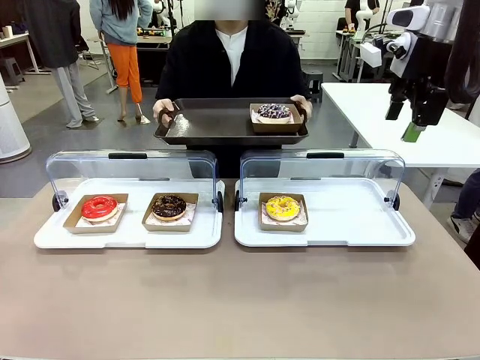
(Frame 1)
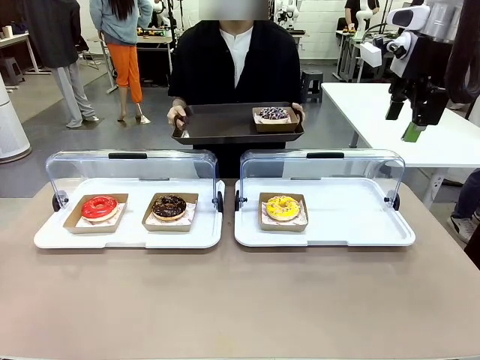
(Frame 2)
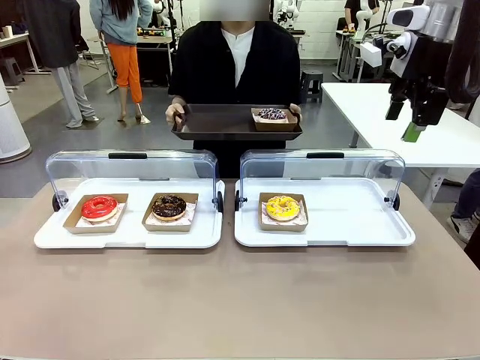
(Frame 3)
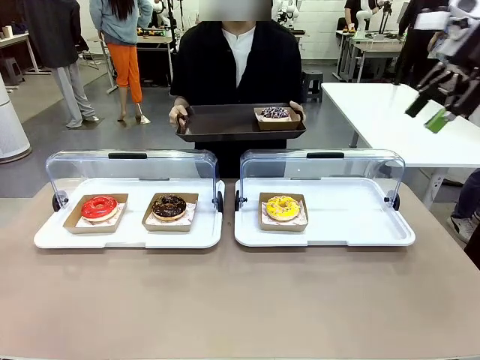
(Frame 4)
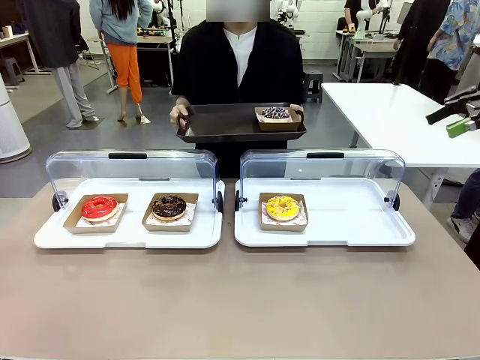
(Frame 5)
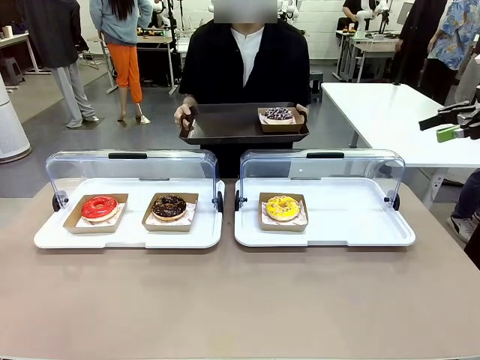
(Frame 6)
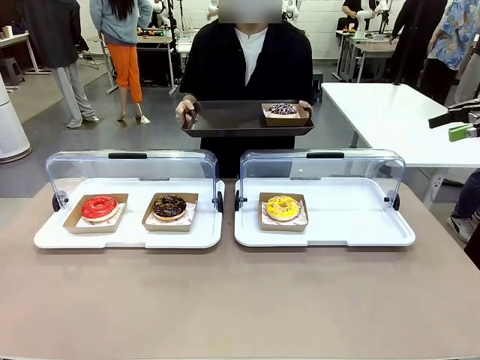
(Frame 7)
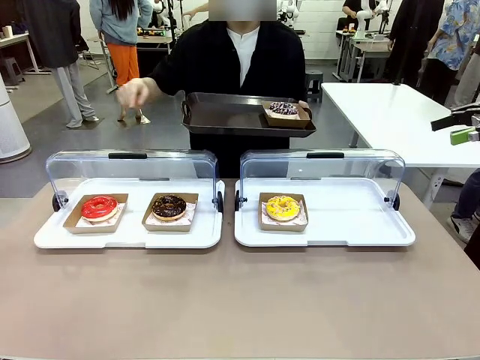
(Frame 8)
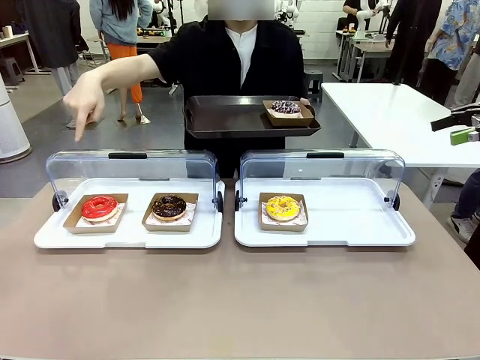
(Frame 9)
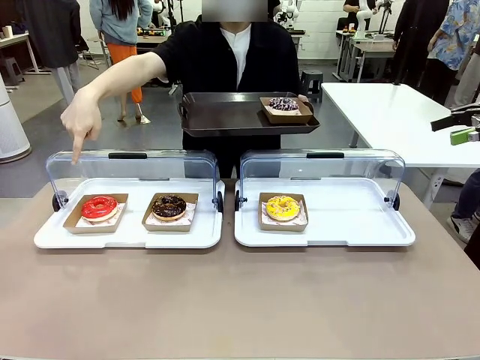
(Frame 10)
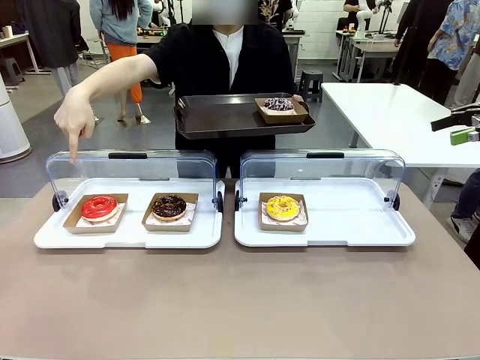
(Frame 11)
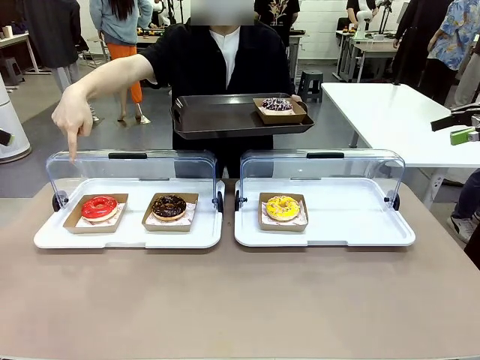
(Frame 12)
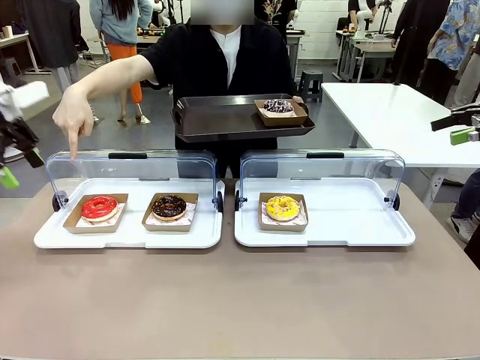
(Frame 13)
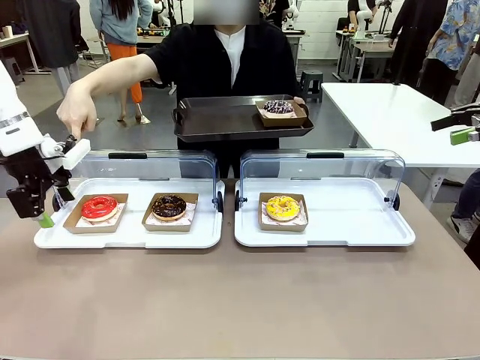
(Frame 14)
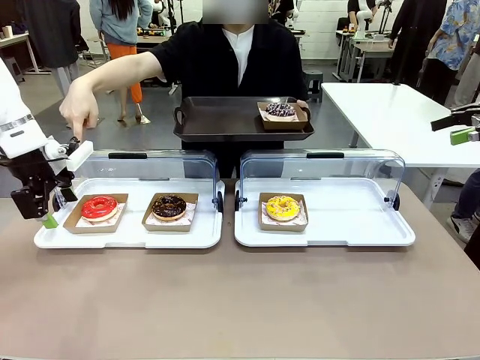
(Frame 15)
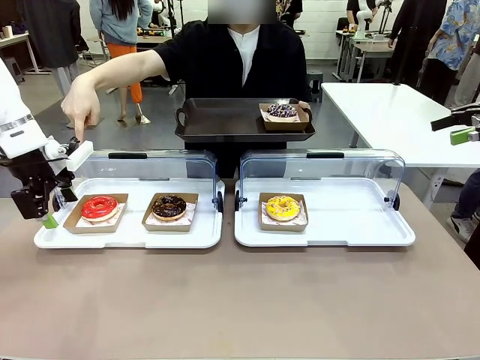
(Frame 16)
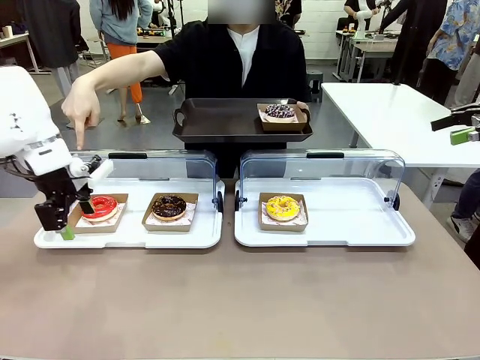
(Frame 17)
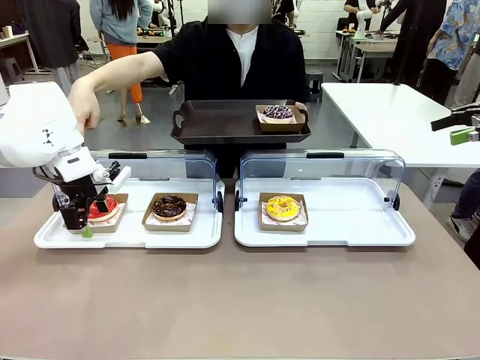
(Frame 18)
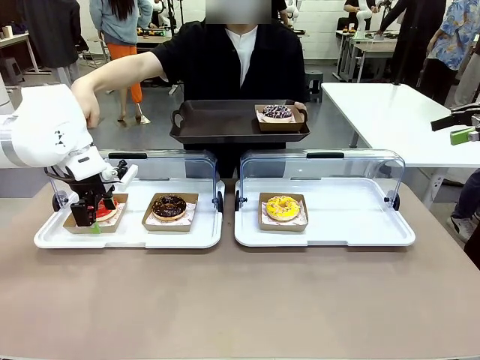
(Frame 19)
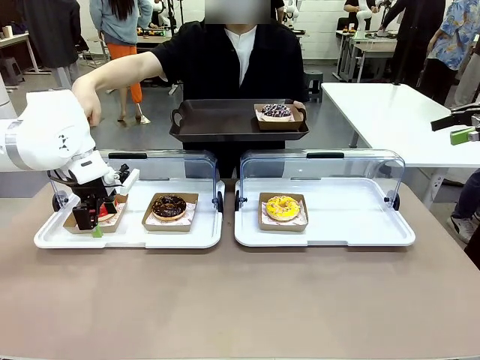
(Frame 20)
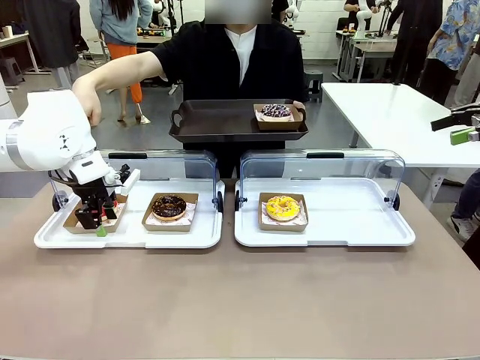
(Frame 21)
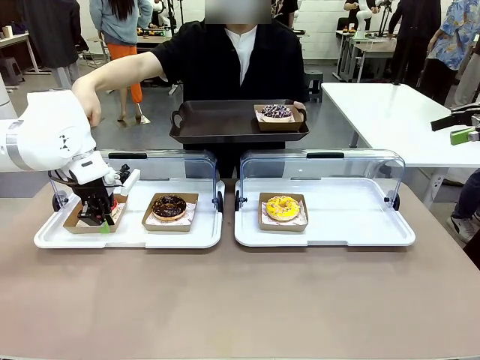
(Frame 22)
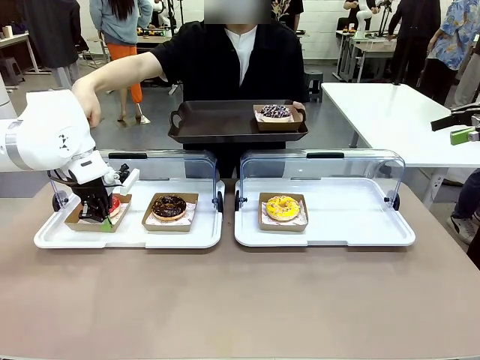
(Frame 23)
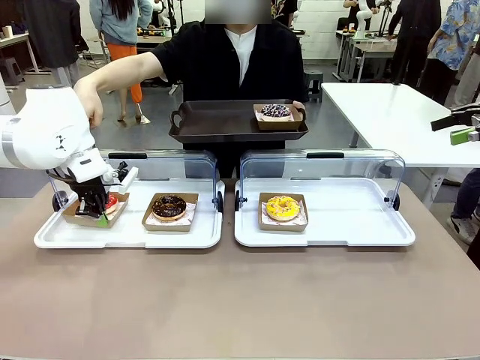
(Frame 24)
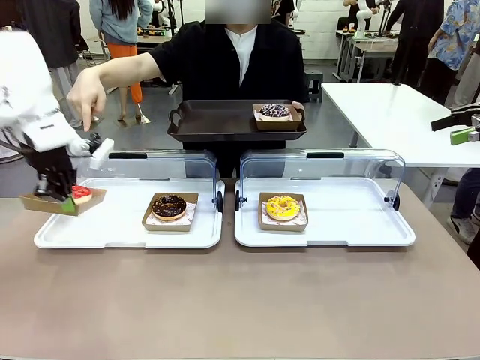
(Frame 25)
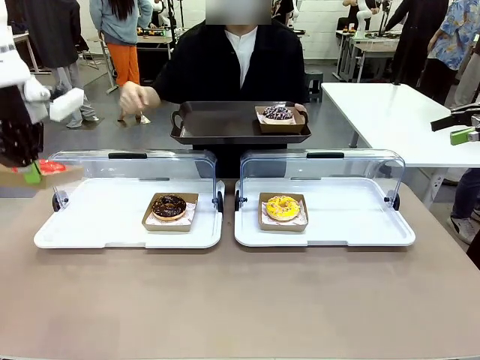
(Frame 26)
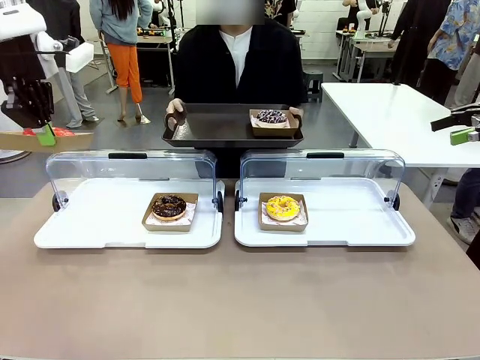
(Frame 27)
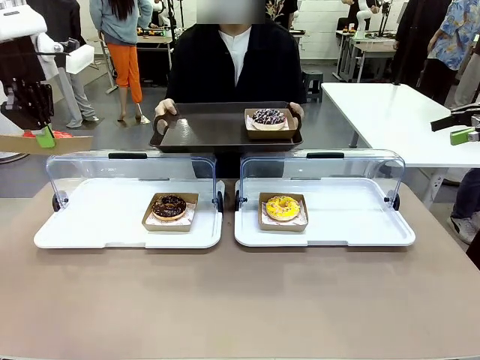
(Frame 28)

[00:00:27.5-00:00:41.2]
Task: Provide the desired donut to the person.
Robot: Pick up and lift the Paper togo box containing the Donut pointed at by the person.
Person: Point to one donut. Lift the tray onto the Roll-Top Bakery Case.

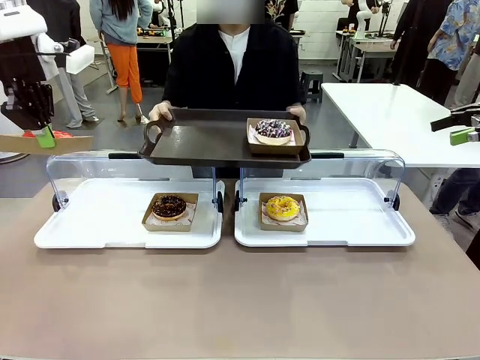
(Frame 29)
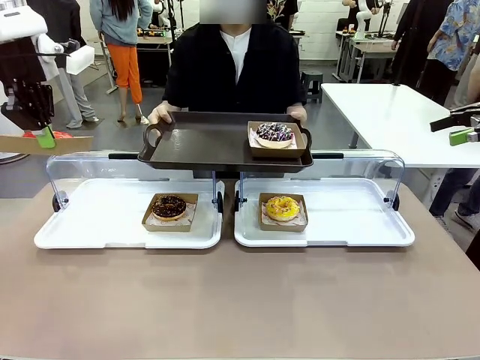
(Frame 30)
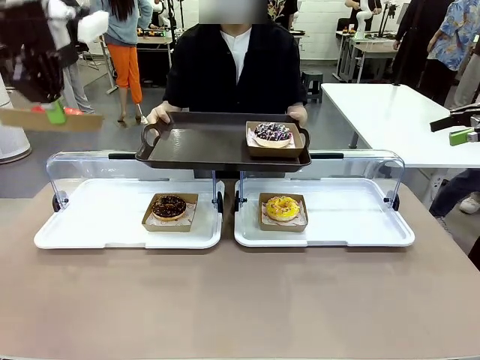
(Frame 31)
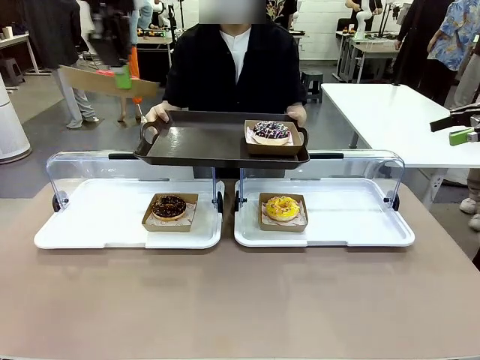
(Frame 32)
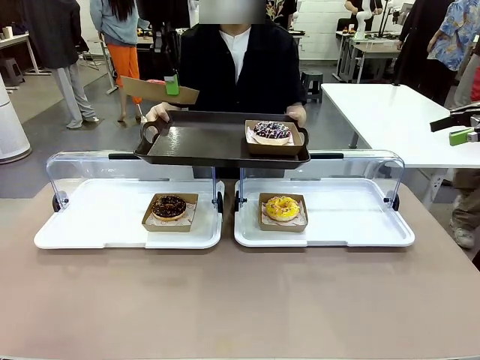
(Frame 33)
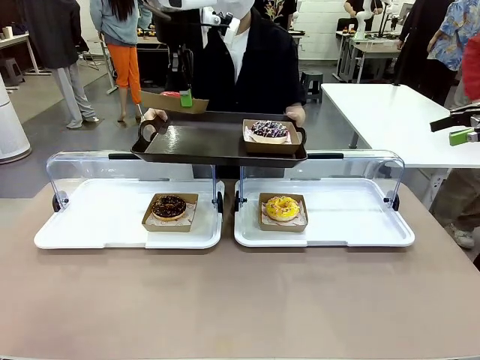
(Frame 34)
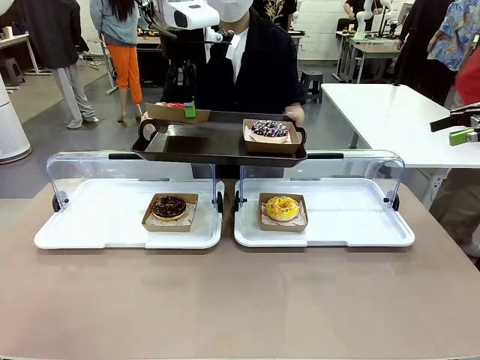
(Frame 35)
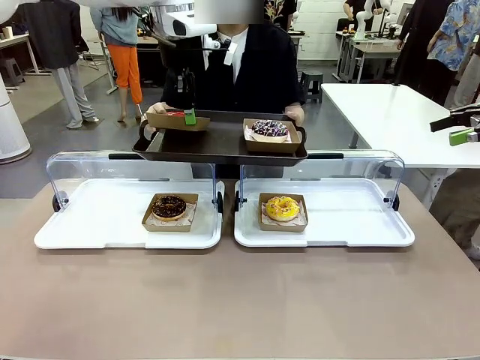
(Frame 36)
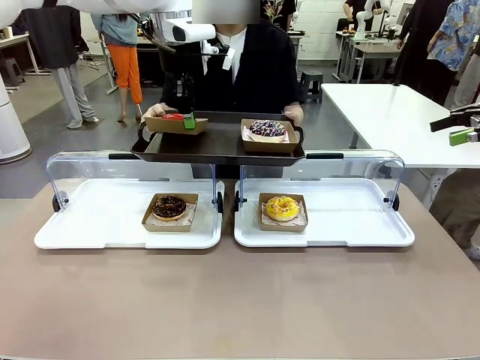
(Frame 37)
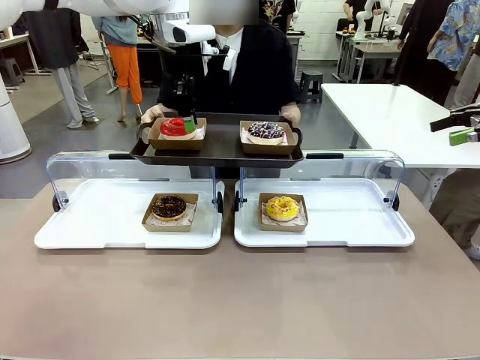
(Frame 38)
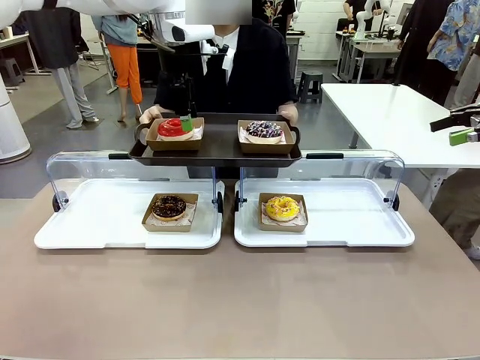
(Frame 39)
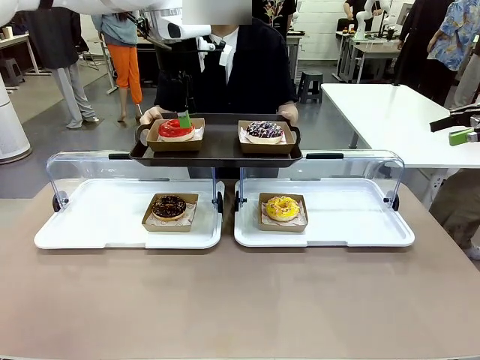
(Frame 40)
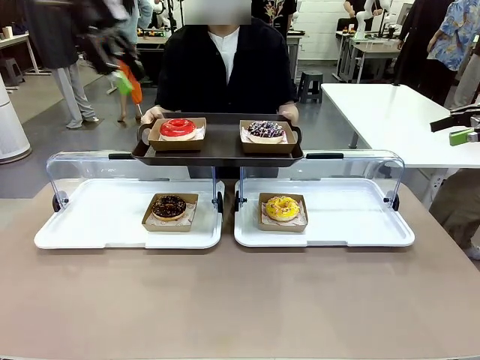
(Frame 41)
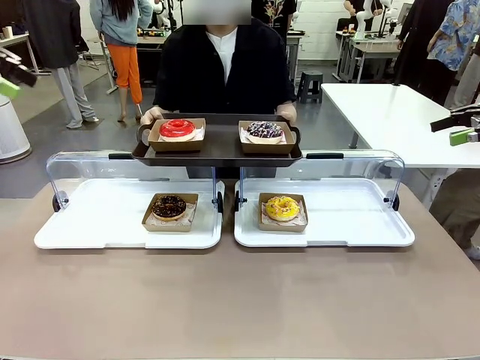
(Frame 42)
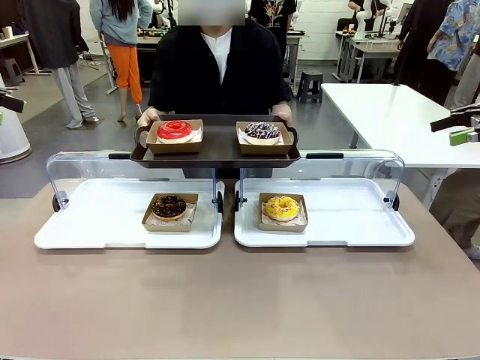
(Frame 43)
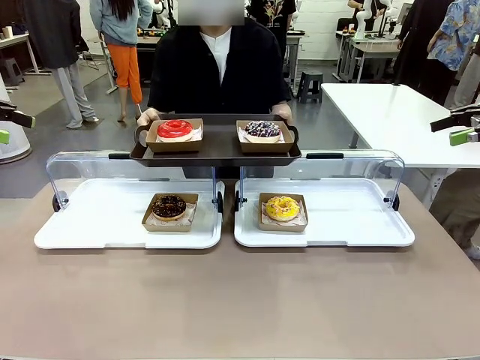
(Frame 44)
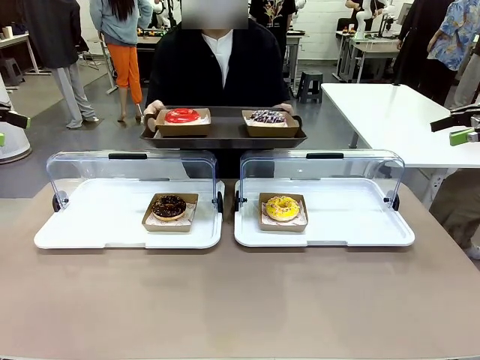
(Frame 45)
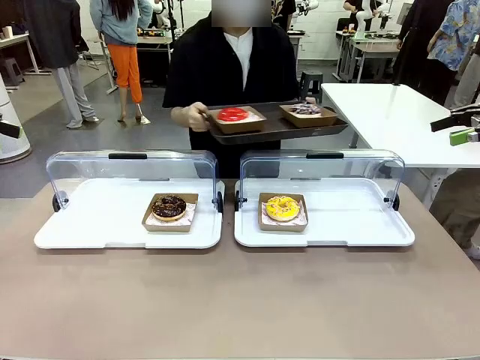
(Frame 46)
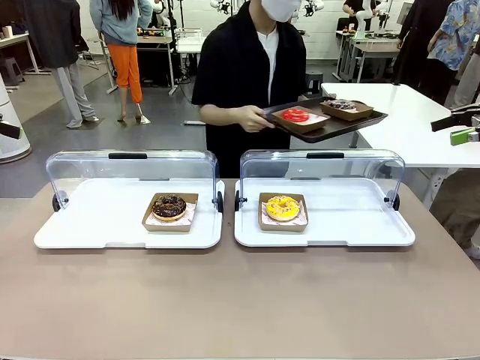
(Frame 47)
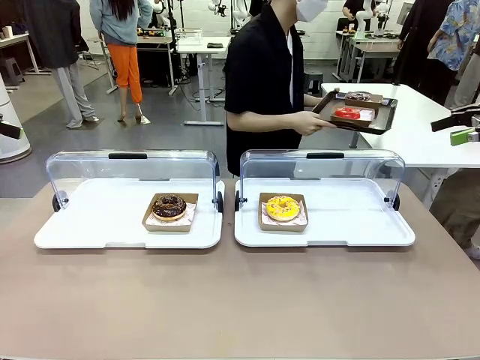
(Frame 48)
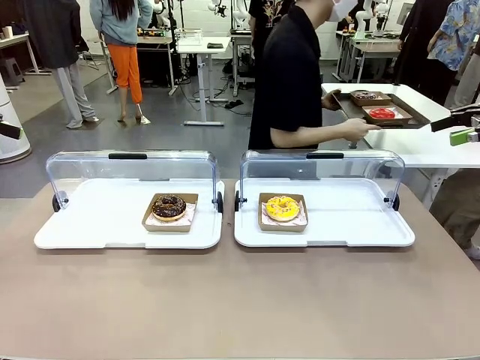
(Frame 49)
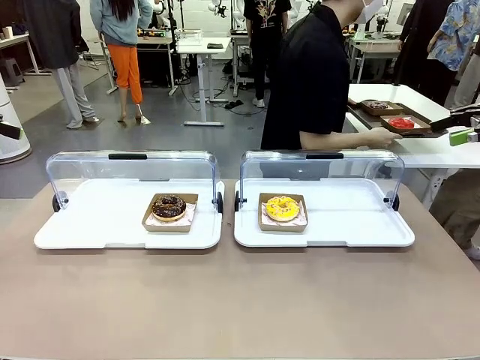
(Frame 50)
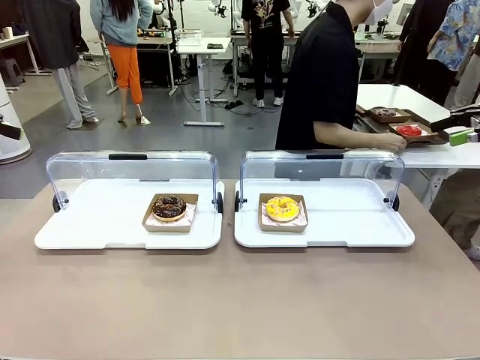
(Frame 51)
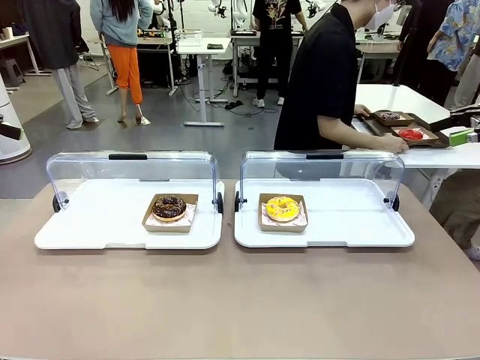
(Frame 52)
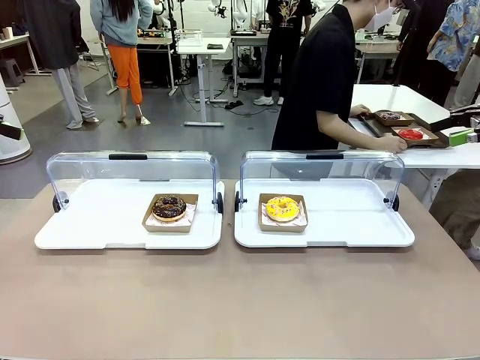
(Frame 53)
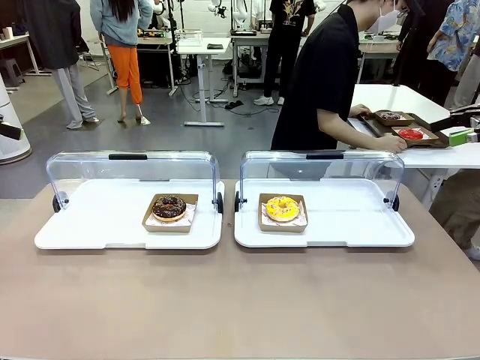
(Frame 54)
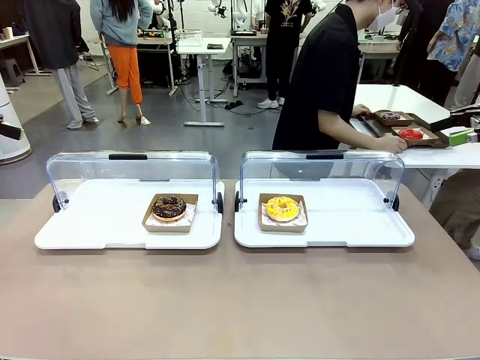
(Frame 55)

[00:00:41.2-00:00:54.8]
Robot: Place the picked Paper togo box onto the Handle tray extended by the person.
Person: Place the tray in the middle of the human table.
